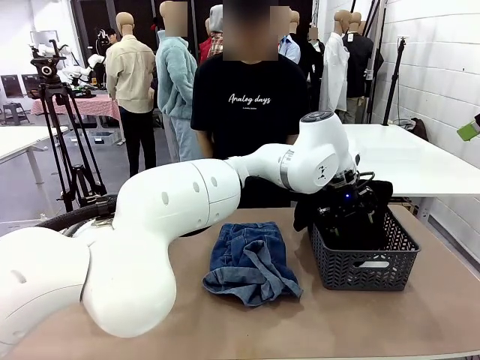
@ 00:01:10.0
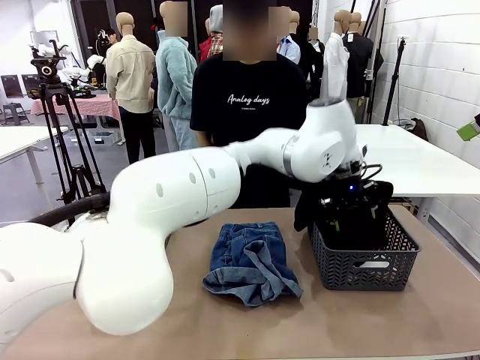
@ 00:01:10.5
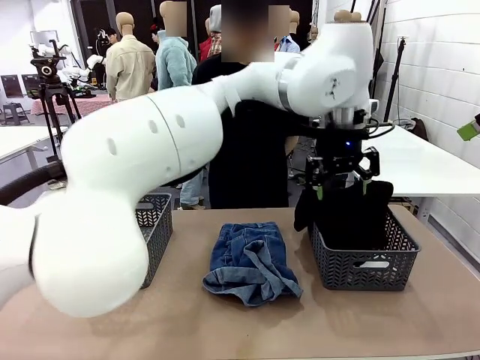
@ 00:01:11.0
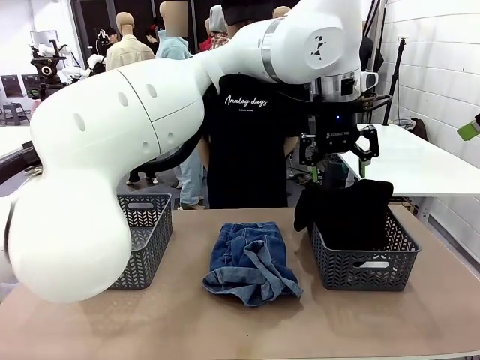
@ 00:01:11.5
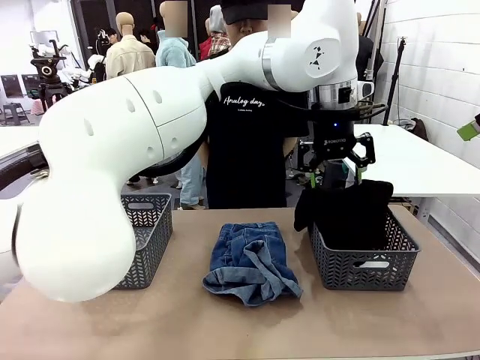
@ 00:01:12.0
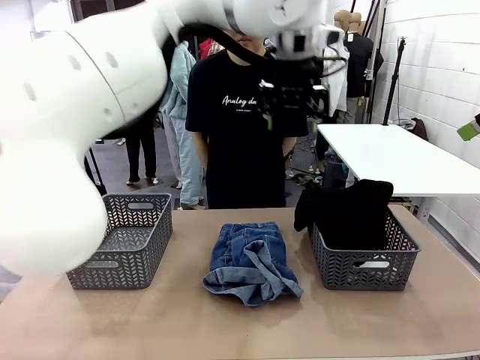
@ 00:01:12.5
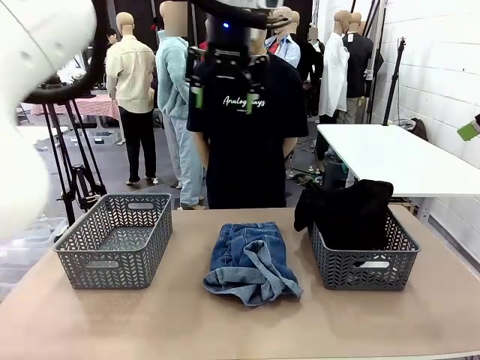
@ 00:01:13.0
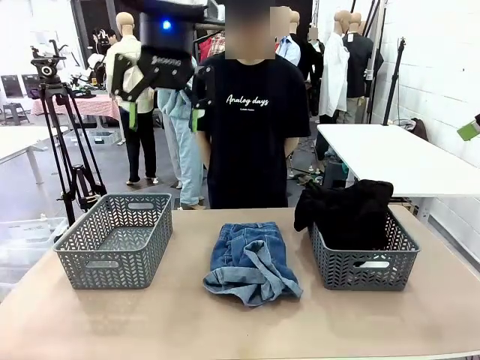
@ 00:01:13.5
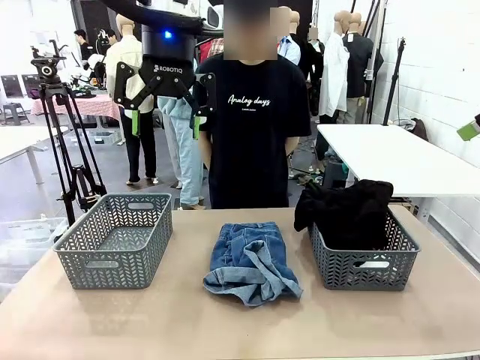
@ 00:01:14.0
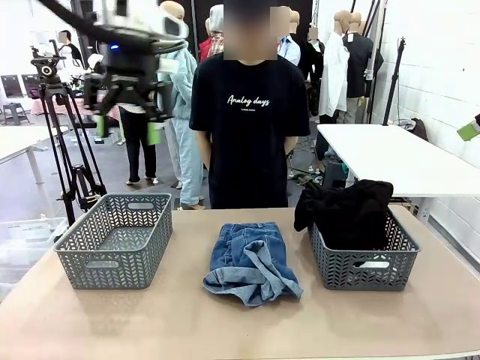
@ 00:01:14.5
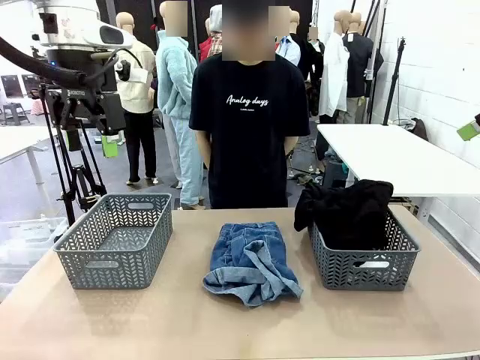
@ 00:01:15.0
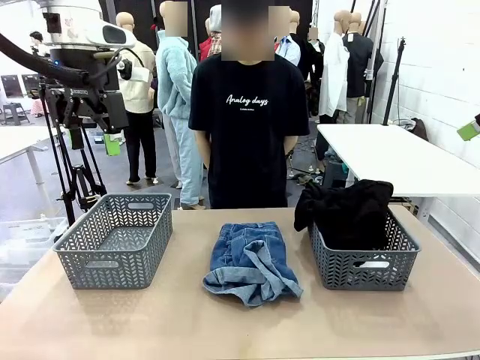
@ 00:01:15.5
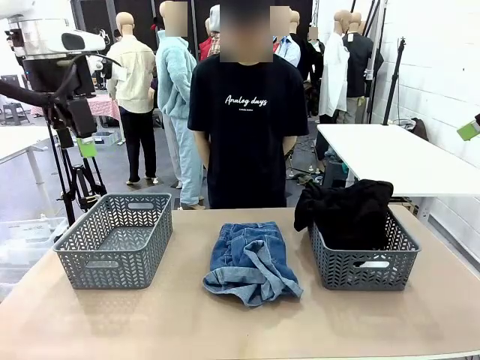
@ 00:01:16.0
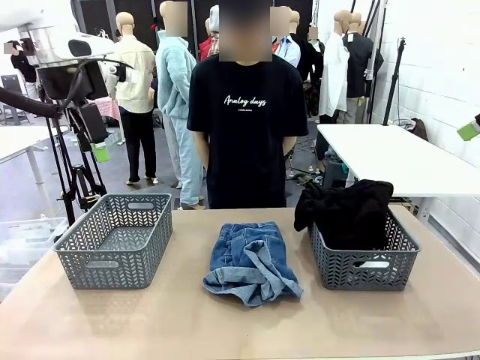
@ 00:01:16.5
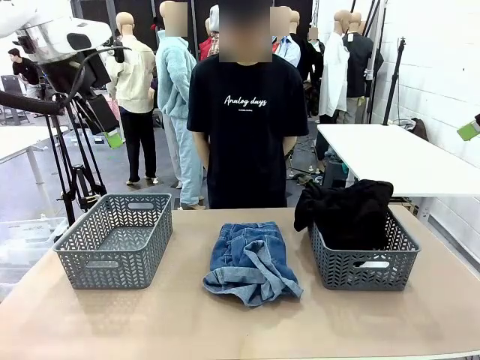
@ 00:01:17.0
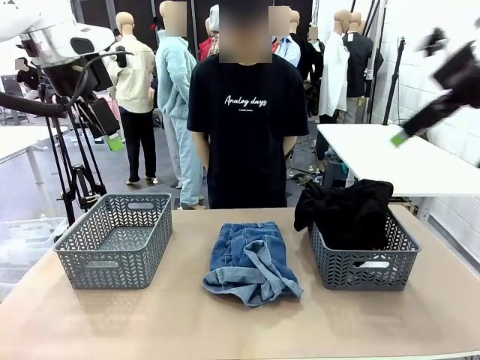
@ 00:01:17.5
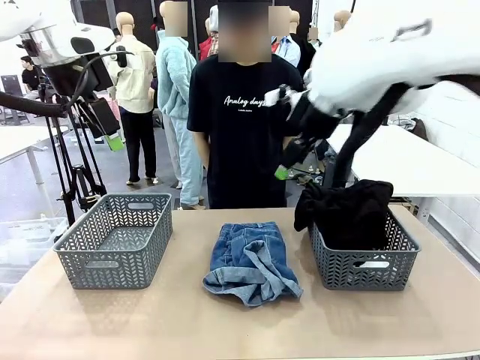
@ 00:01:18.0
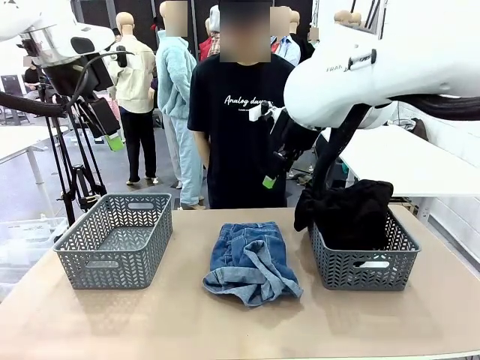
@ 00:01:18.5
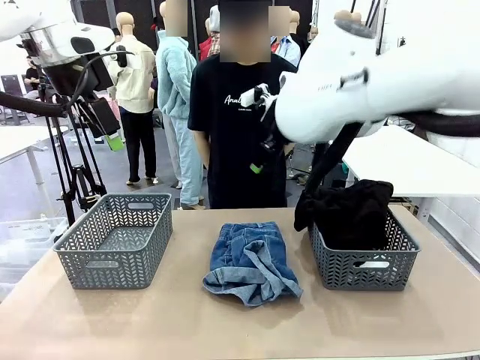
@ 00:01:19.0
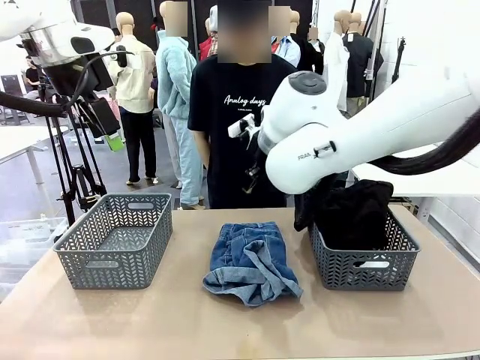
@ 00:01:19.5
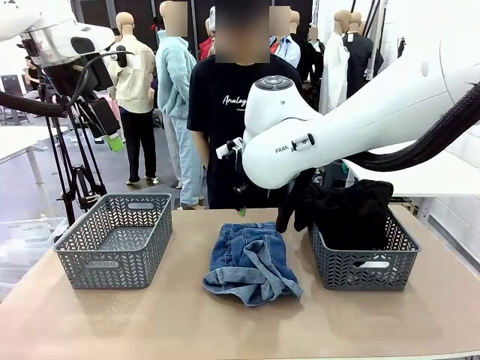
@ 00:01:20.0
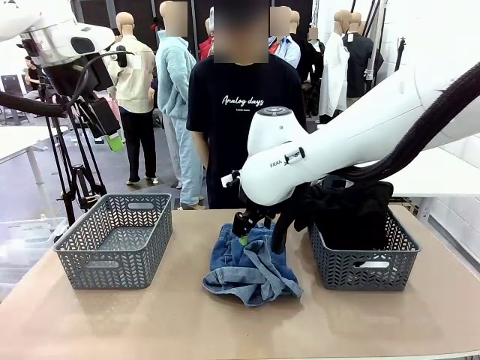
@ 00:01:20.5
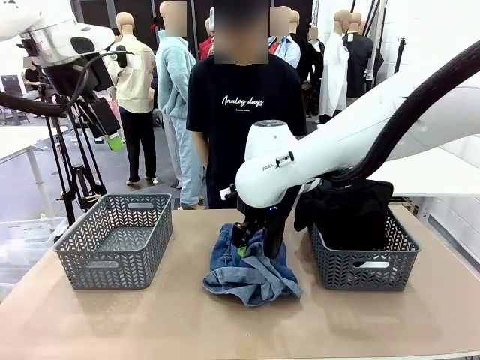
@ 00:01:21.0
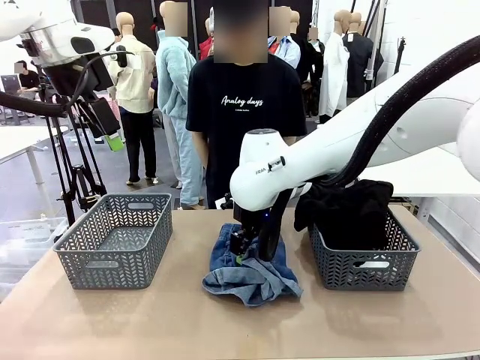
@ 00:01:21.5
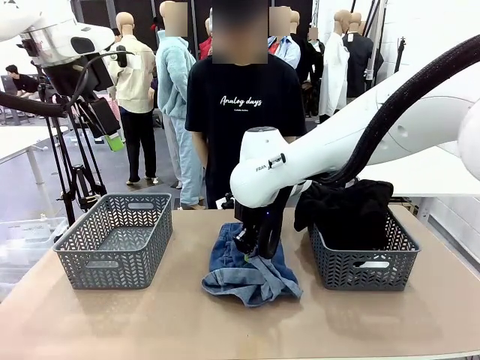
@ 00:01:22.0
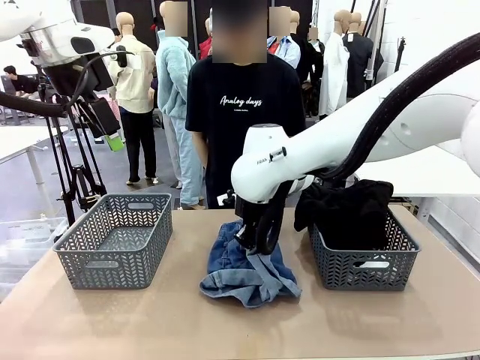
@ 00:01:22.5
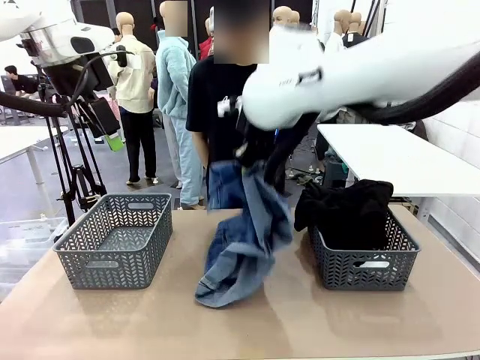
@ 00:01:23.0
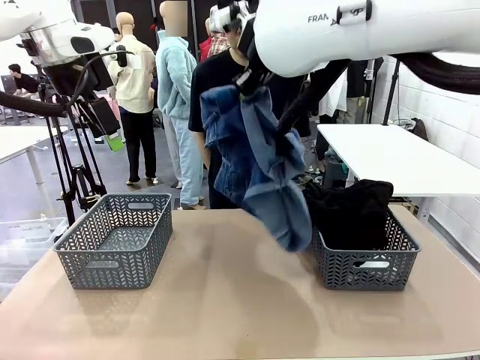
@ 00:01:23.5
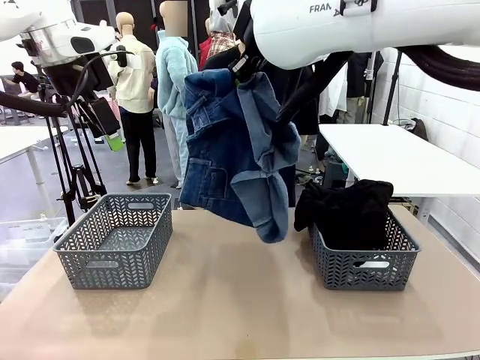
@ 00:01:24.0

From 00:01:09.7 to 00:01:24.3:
Task: Sort the tops and bottoms.
Robot: Lift clothes from the center of the table with your right hand.

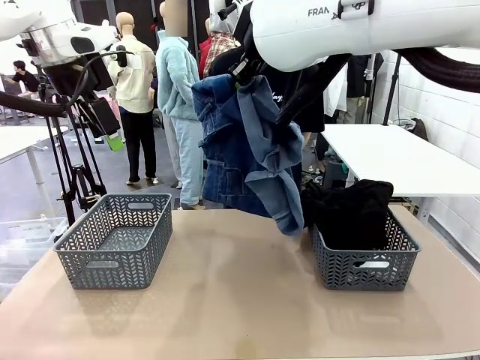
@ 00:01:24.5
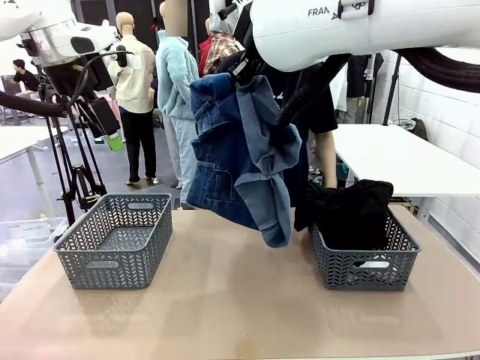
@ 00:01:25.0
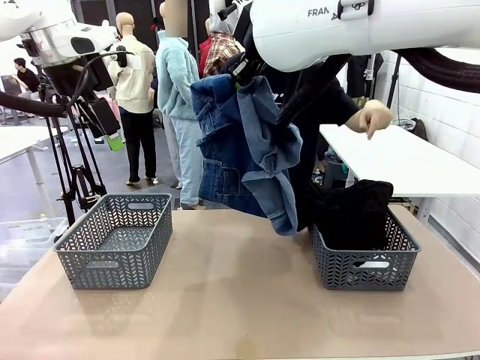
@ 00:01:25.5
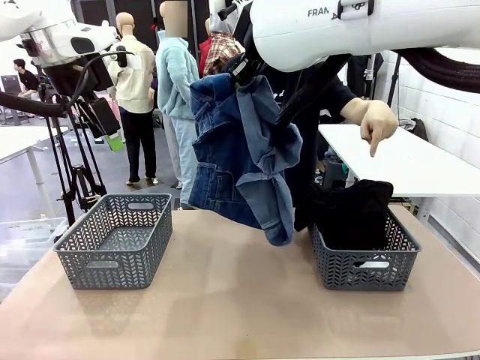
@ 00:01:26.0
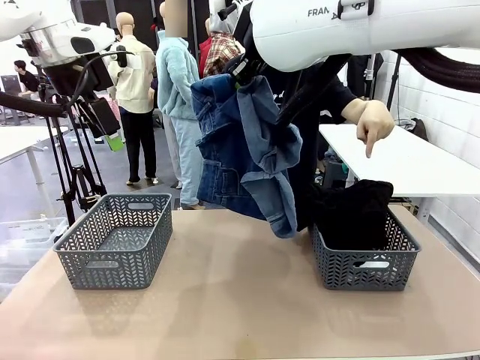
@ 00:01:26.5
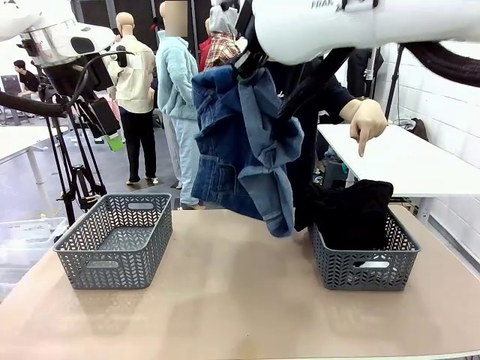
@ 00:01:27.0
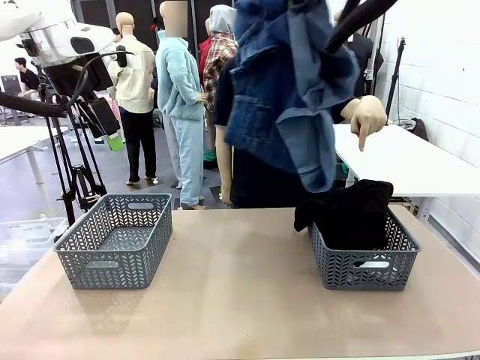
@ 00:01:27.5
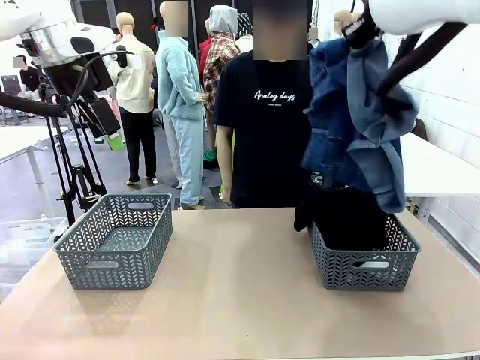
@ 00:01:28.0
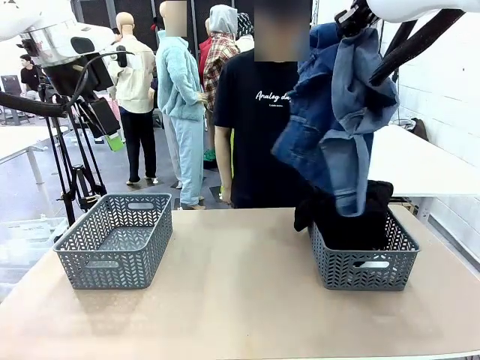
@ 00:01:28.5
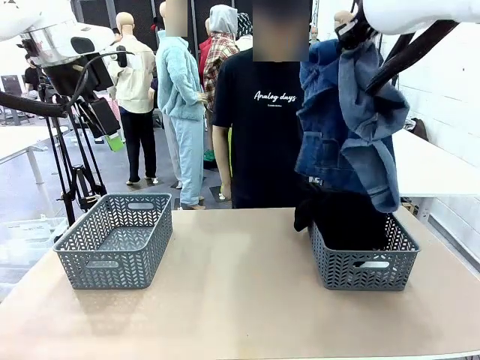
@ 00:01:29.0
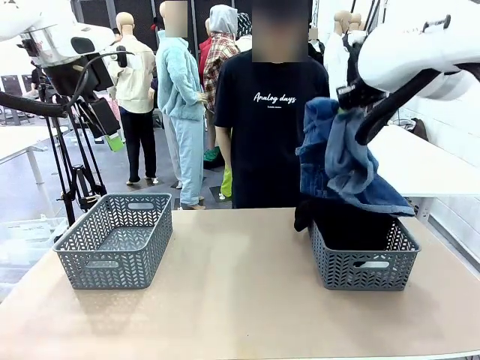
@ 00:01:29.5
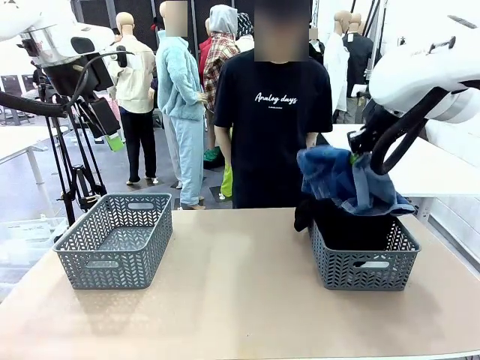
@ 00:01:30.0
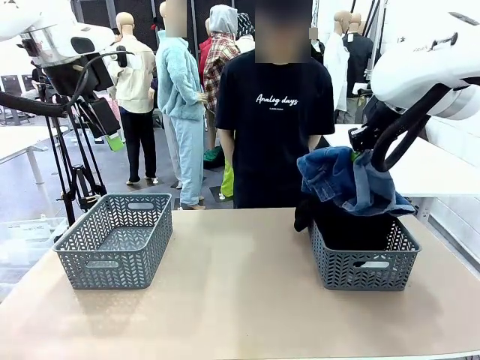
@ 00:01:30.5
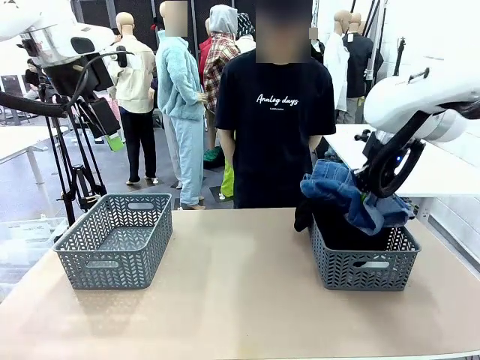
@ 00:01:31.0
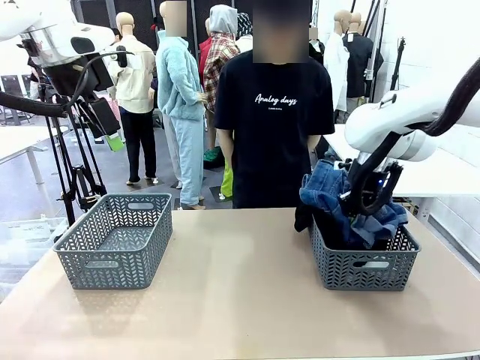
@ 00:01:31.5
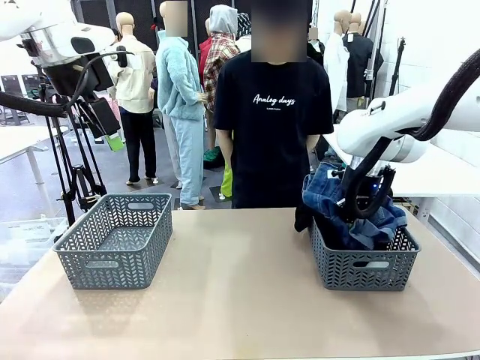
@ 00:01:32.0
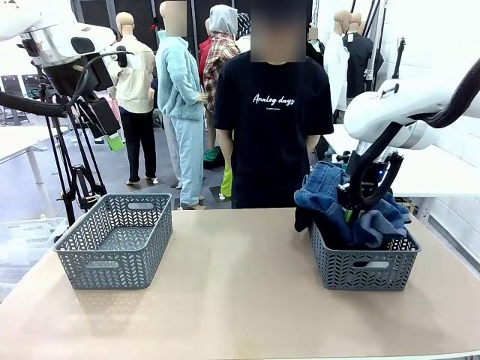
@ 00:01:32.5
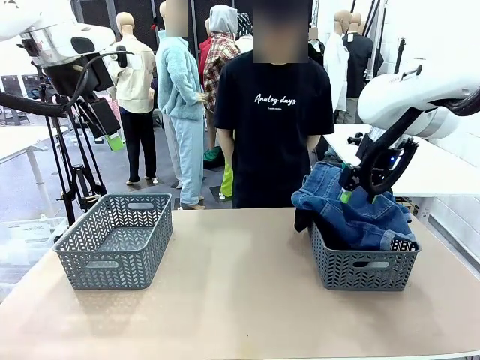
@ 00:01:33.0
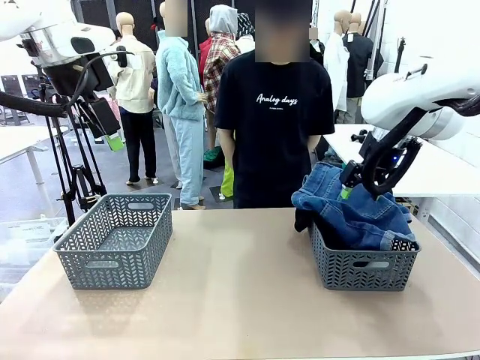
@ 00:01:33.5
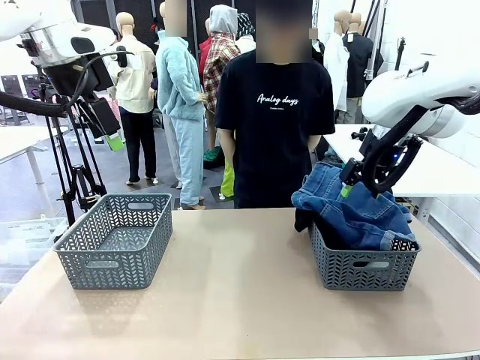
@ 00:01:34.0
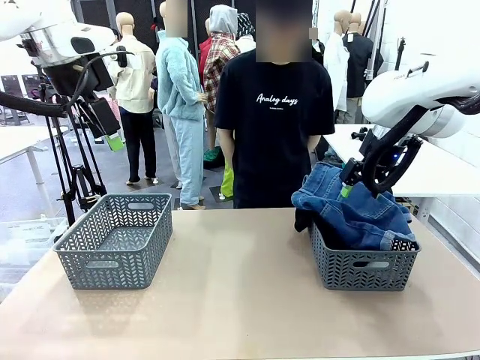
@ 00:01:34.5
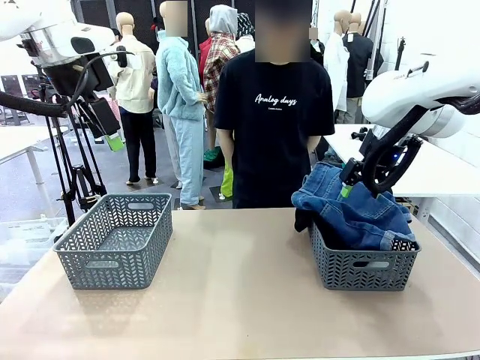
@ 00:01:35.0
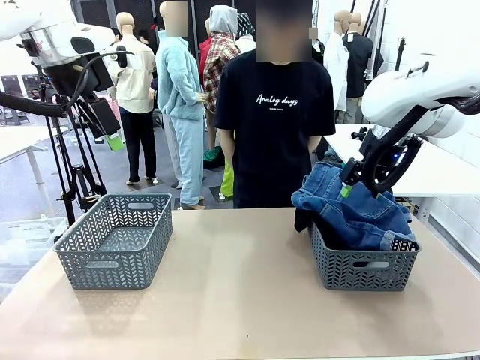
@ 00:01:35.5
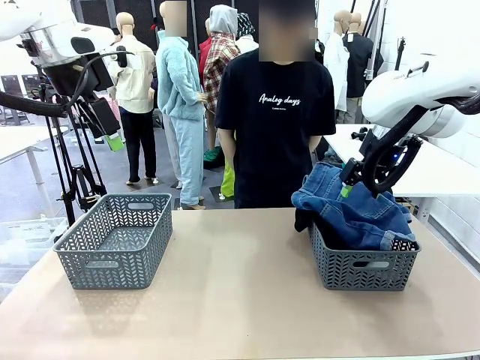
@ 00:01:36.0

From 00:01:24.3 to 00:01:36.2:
Robot: Sort the clothes according to human instructions.

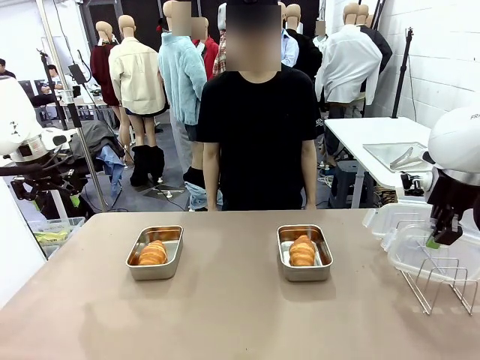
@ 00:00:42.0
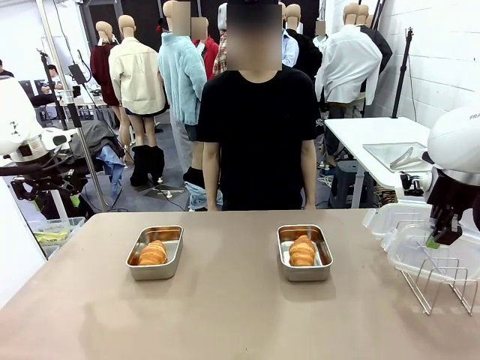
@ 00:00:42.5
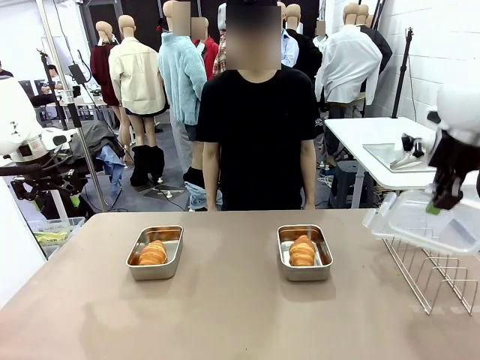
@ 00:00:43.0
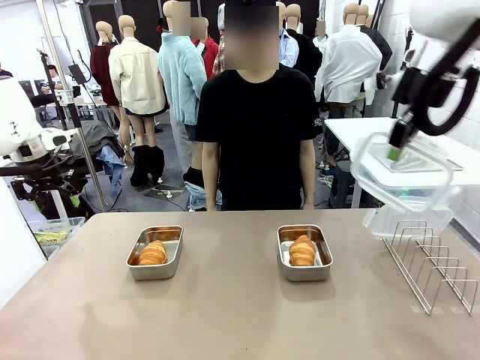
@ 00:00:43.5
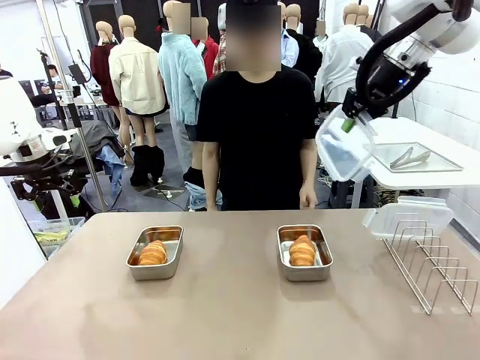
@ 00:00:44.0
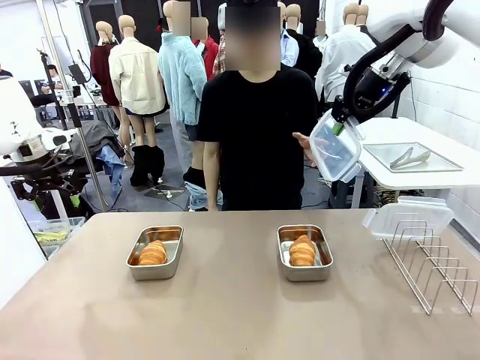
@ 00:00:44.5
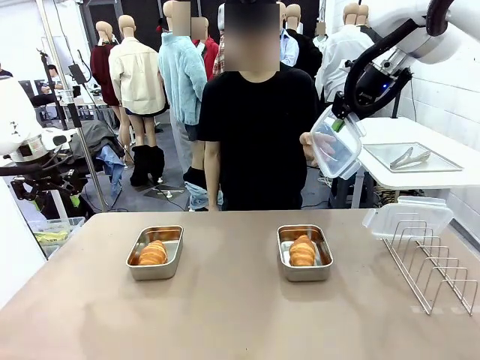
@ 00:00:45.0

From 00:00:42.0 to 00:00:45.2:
Task: Place the bread in airtight containers.
Robot: Release when the human grabs the Airtight Container lid.
